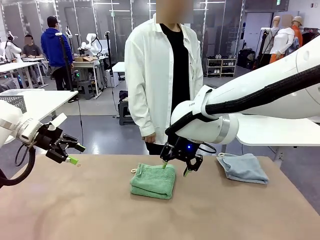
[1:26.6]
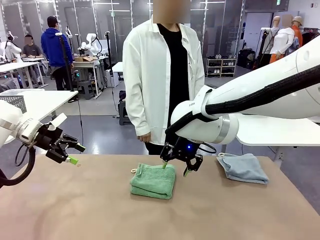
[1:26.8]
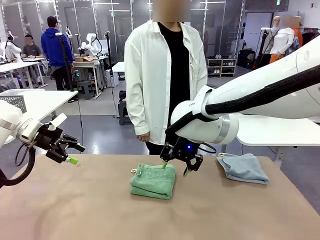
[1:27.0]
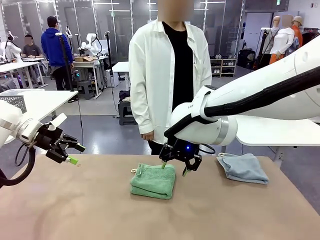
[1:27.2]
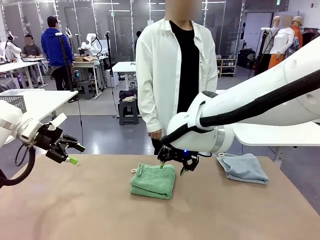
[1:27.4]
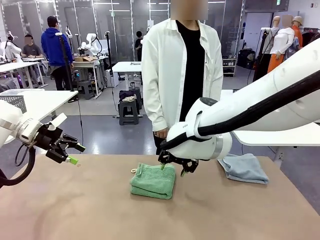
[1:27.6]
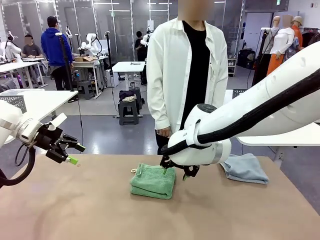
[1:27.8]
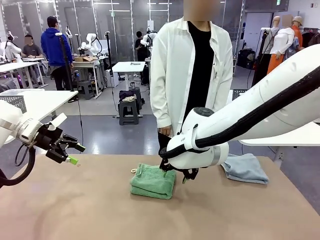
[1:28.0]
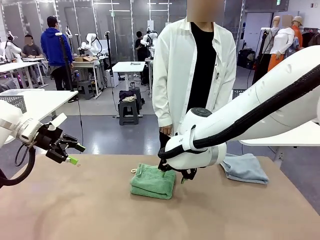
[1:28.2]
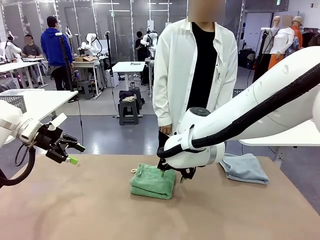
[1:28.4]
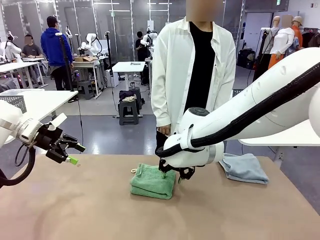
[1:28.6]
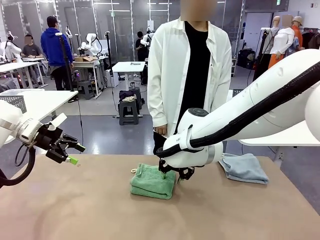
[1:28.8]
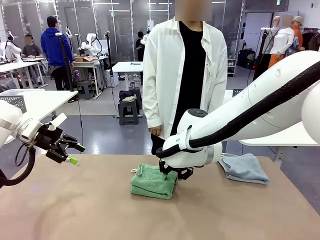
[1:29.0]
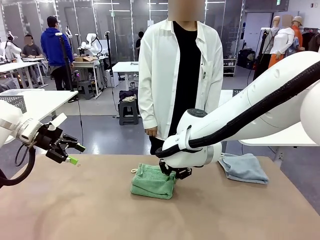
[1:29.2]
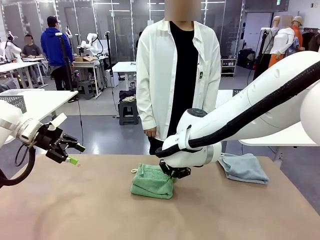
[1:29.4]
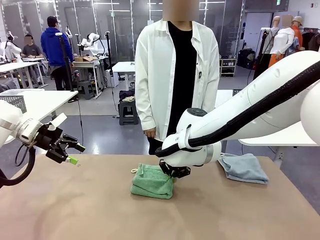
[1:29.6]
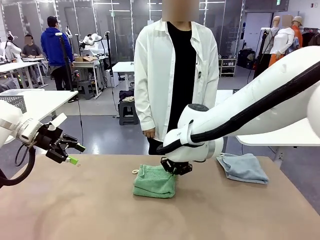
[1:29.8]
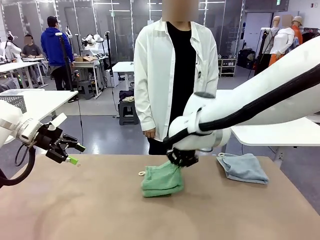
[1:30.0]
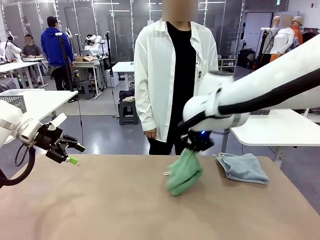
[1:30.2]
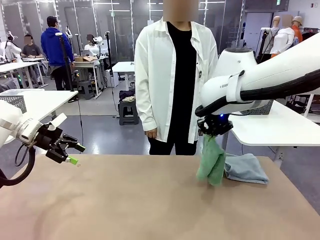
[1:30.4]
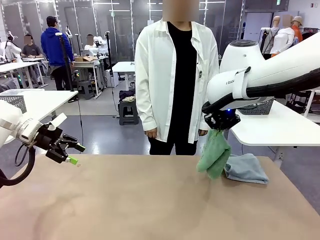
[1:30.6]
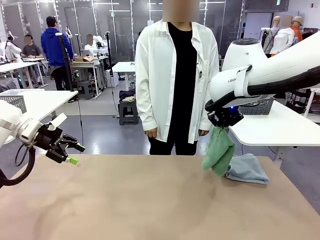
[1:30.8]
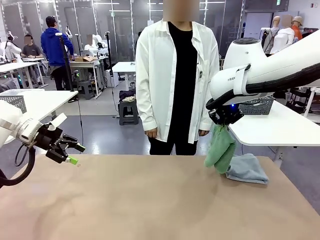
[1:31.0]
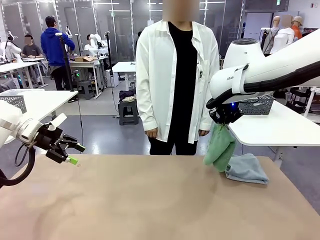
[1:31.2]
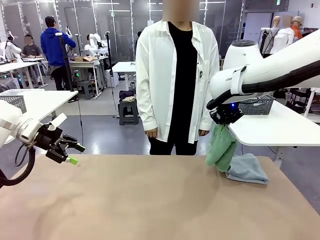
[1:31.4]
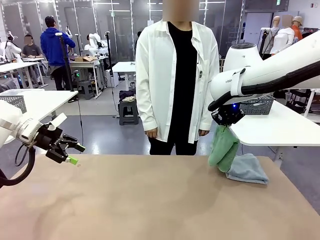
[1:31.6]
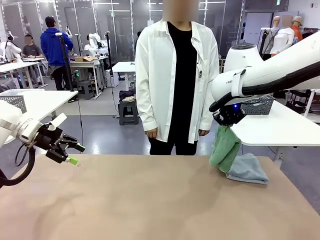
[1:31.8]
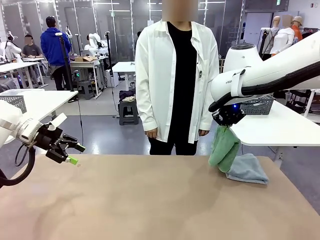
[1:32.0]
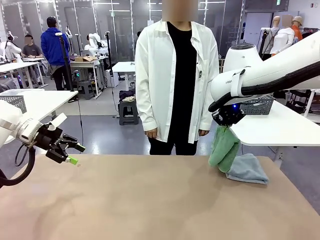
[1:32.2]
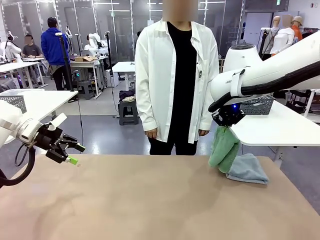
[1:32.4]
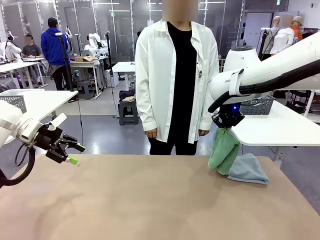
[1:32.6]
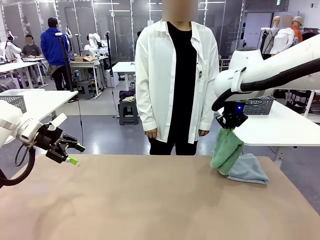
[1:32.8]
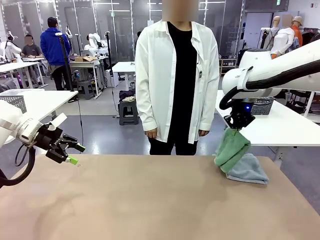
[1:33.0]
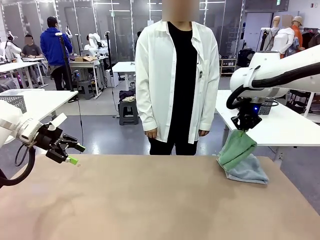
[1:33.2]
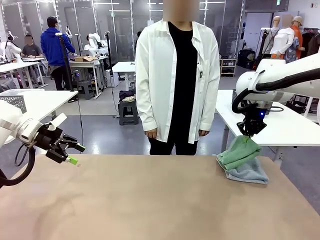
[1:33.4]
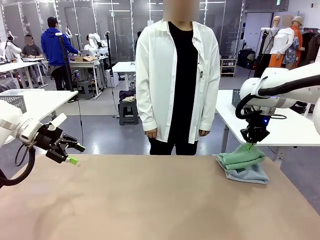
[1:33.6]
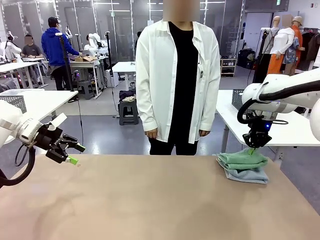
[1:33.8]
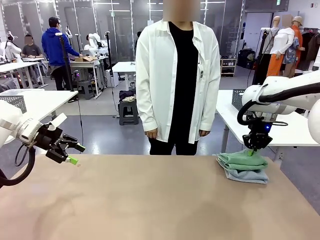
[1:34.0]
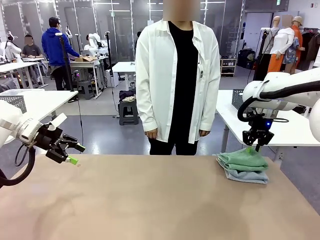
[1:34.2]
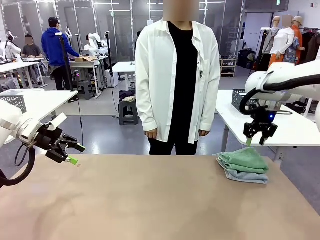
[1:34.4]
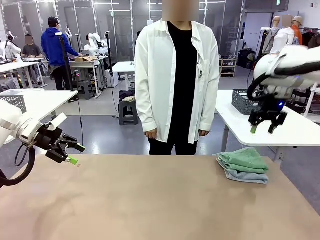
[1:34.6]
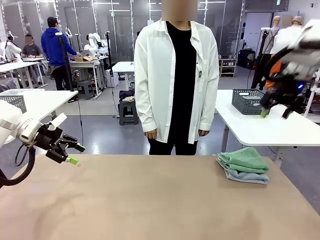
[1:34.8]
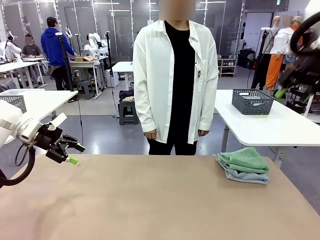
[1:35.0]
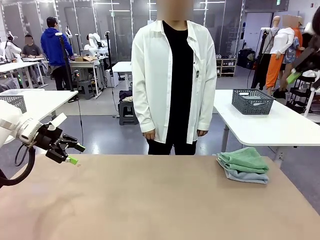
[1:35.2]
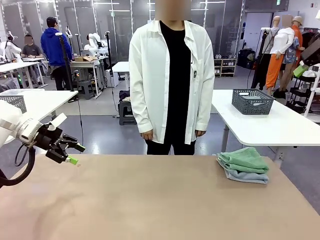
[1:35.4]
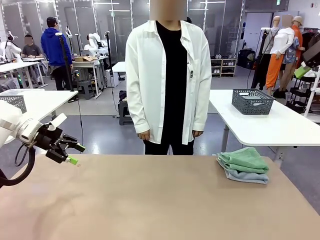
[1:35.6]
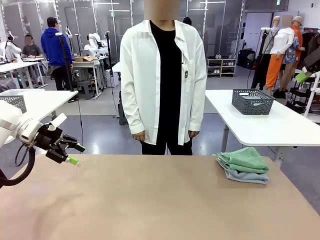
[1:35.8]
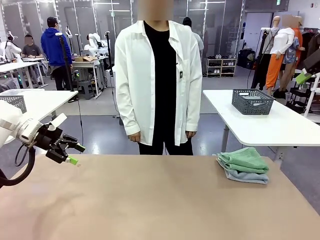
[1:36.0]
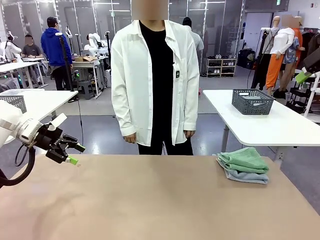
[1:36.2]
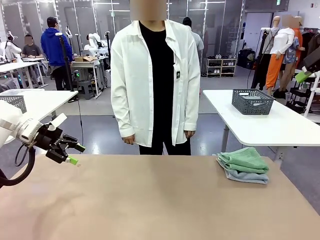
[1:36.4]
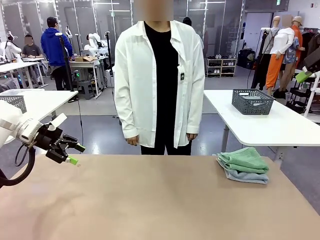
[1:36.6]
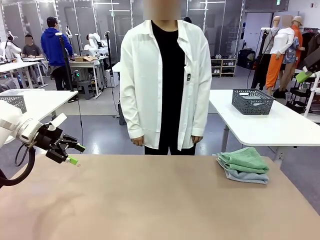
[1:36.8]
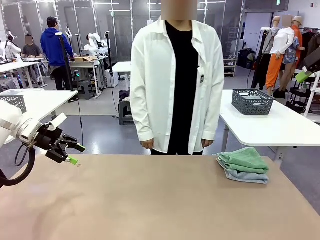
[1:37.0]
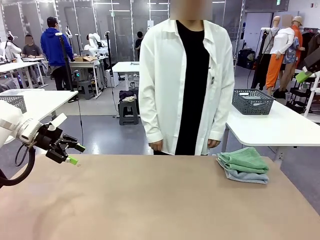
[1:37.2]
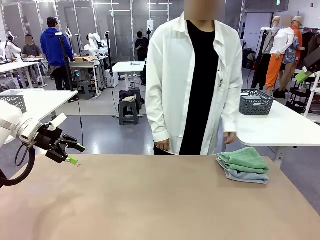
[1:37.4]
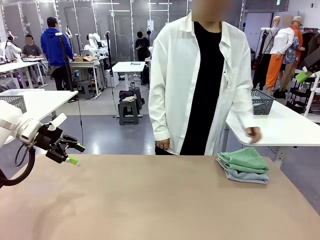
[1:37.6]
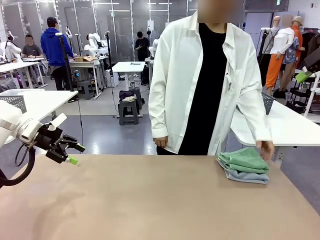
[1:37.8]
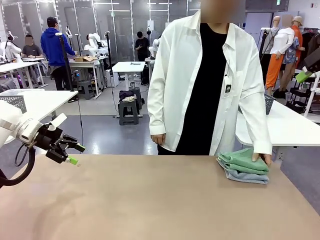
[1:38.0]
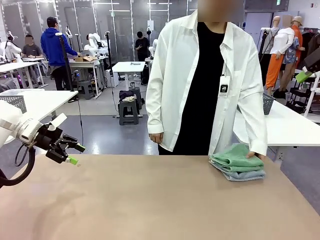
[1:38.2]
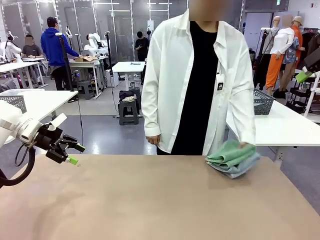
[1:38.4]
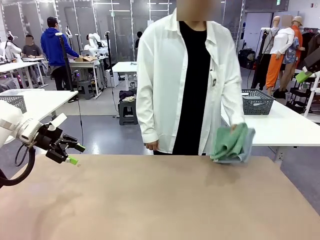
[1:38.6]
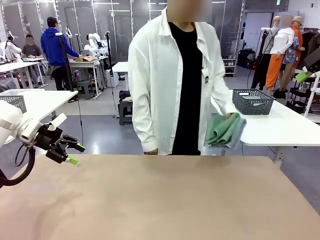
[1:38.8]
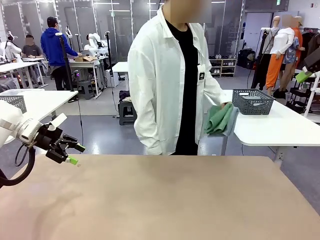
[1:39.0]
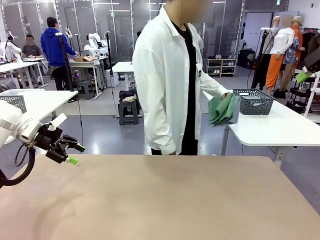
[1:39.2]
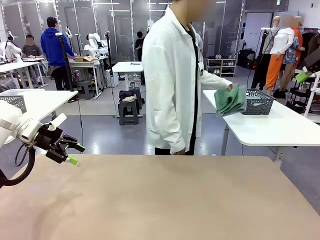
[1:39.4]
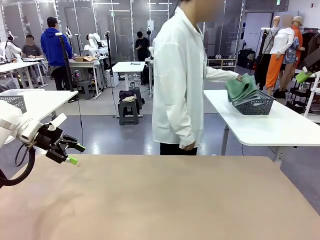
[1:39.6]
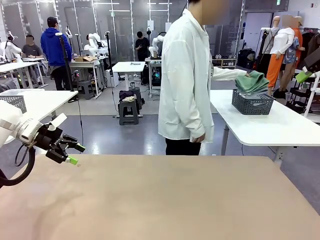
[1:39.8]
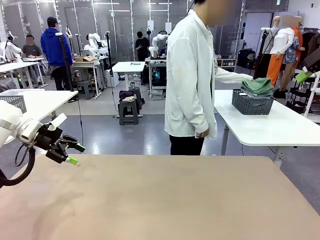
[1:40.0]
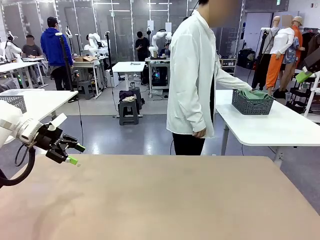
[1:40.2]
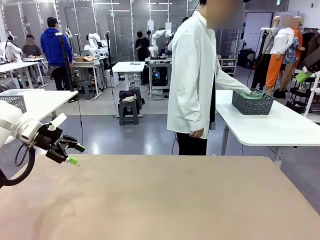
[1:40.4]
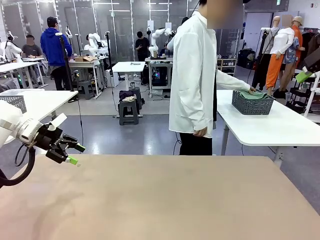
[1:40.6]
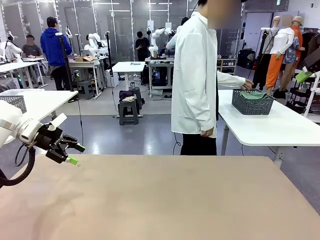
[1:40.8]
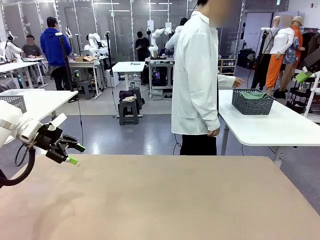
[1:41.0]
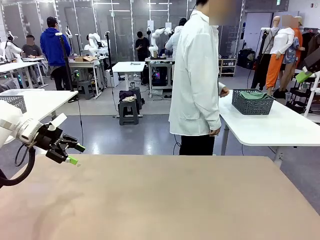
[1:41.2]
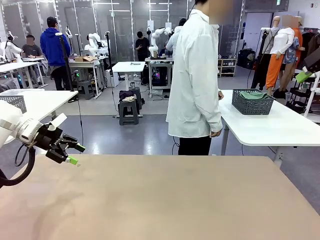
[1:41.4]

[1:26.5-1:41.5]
Task: Fold the towels and place them in the basket.
Robot: Stack the folded Towel with hook on the right side of the table.
Person: Pick up the stack of towels from the robot table and place it into the basket.

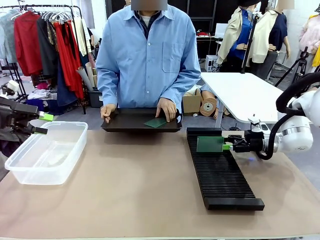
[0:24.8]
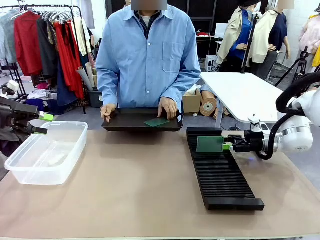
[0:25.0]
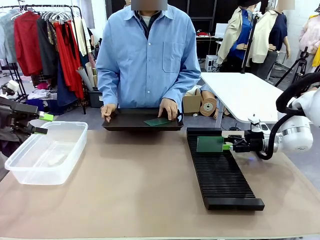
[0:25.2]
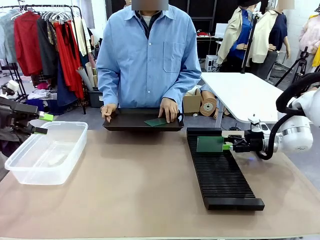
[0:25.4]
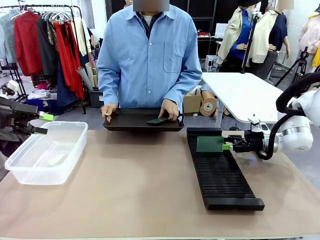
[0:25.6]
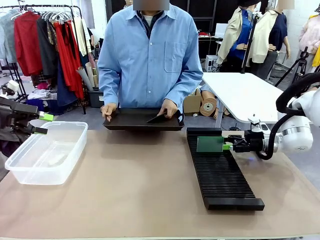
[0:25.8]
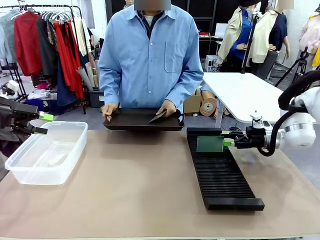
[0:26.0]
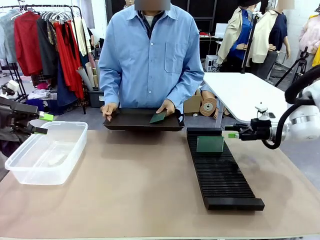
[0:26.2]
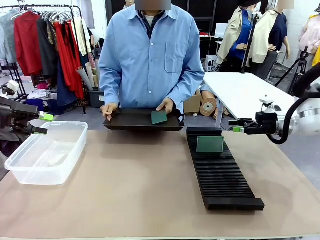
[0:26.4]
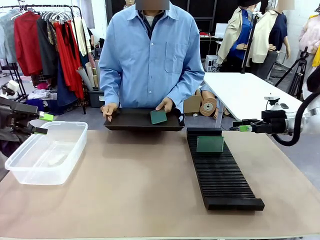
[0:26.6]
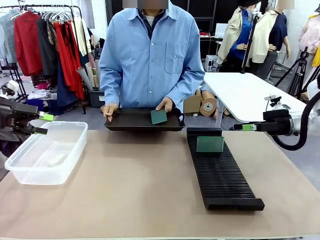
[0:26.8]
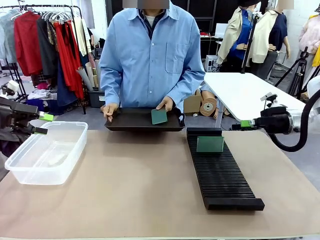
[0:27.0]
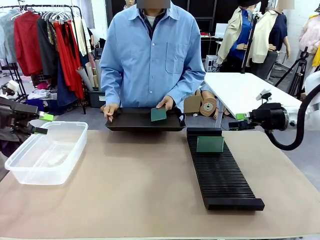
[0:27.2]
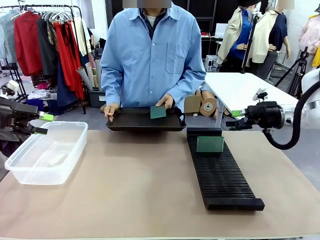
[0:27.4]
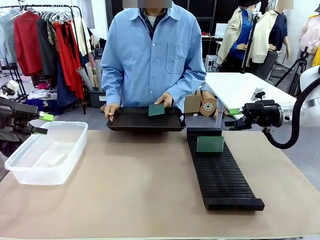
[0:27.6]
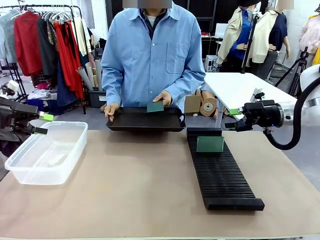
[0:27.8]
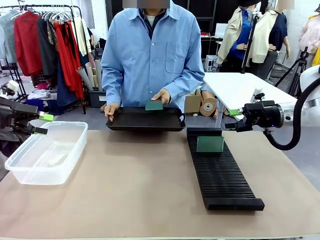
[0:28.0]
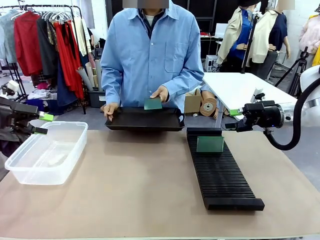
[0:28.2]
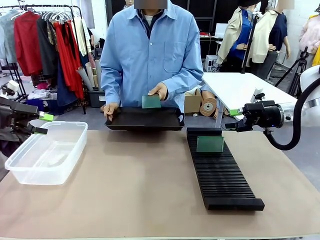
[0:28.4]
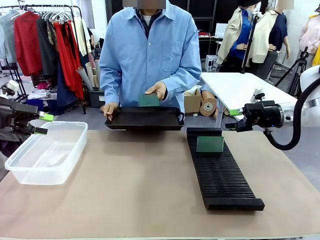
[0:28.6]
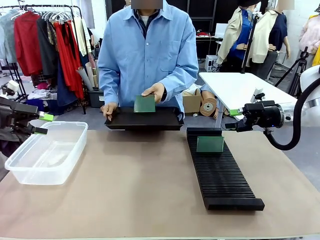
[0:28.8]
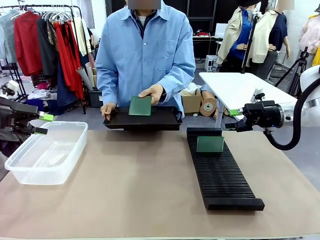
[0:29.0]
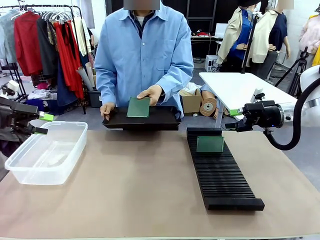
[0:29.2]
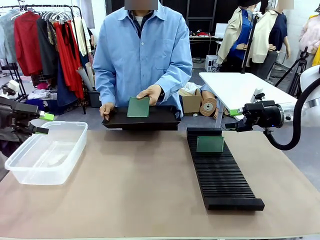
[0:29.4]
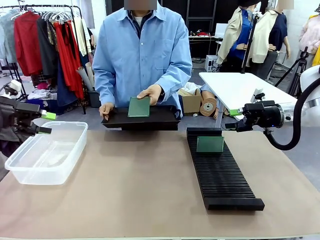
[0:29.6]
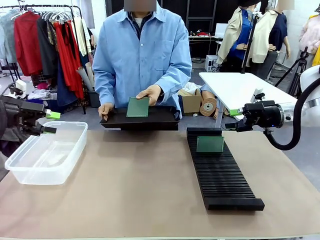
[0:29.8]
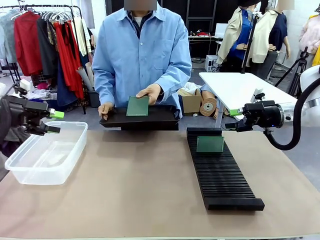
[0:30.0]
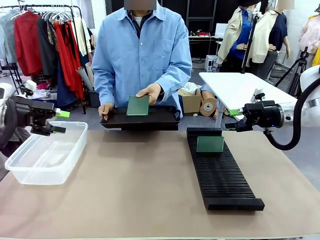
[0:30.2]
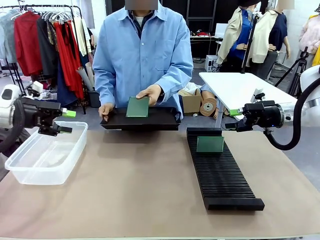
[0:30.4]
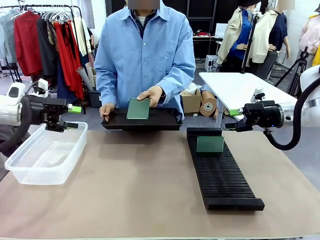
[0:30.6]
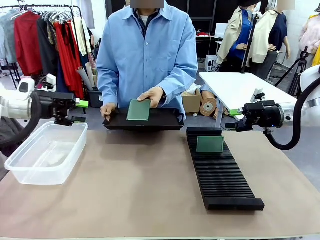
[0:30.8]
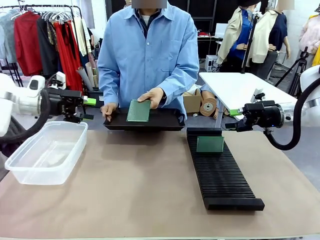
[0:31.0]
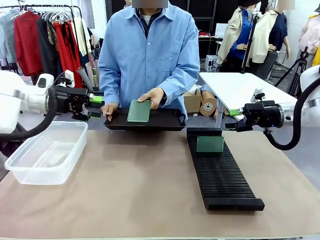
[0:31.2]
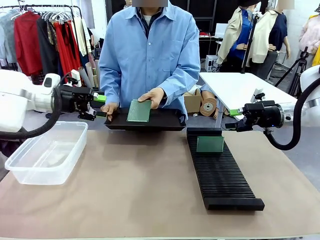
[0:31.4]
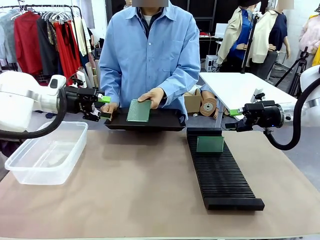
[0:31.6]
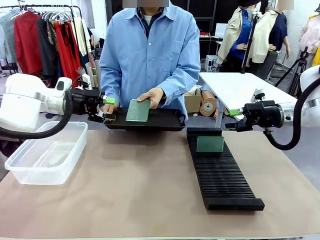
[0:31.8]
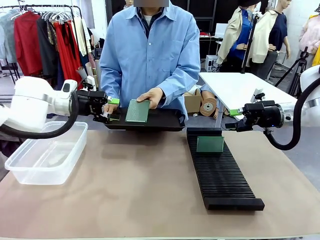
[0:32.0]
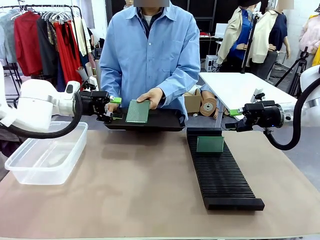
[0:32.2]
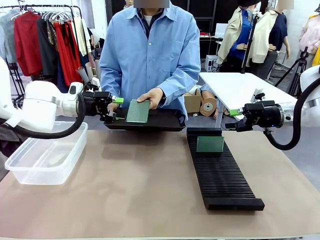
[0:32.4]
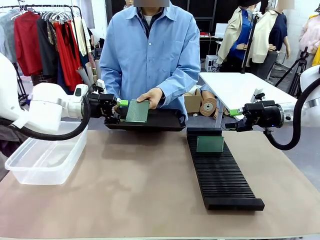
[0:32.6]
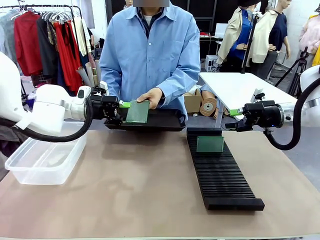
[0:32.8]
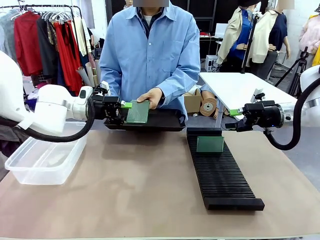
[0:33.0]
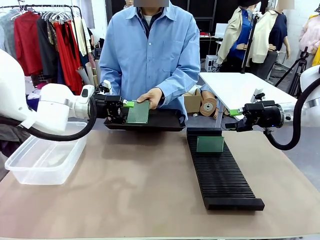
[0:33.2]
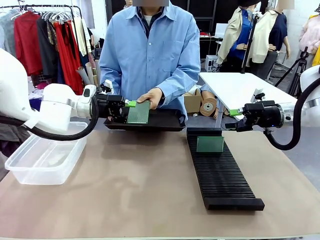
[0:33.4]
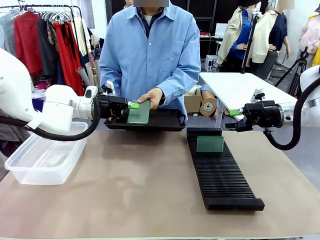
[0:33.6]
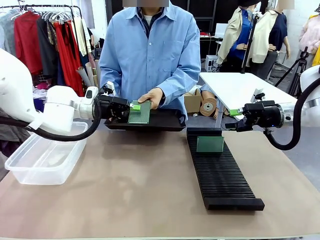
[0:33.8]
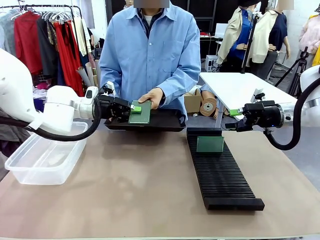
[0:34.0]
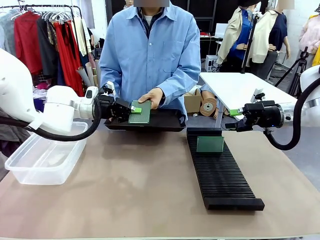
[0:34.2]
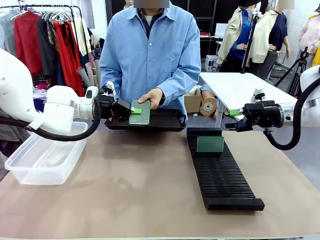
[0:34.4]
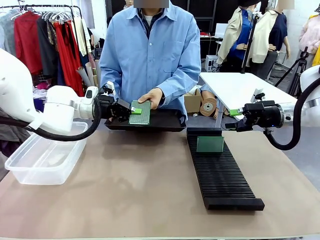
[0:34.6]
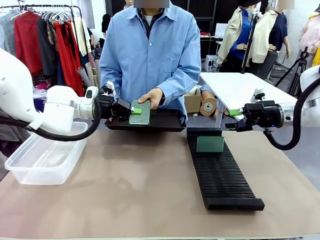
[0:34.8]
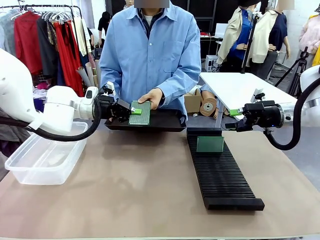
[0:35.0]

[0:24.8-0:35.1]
Task: Sort PCBs into racks and boxes based on the side picked up.
Robot: Pick up the Blank PCB handed by the Human.
